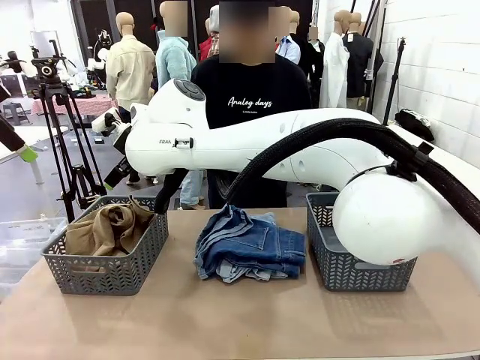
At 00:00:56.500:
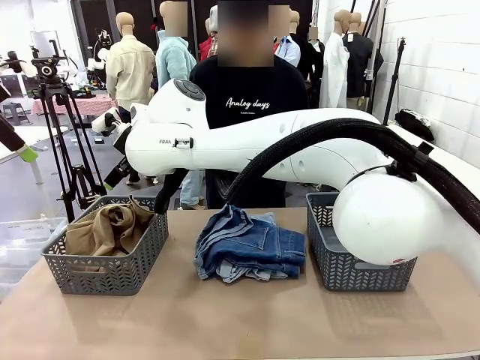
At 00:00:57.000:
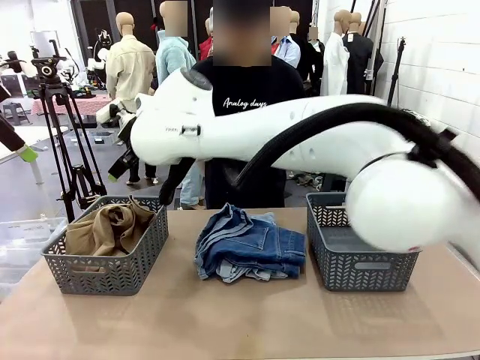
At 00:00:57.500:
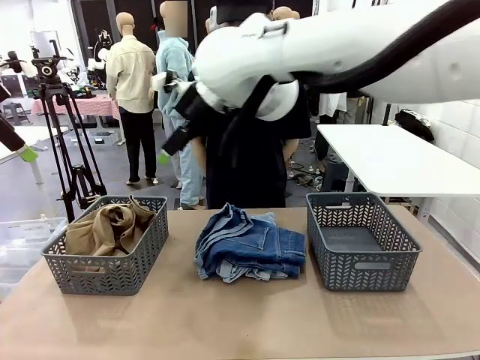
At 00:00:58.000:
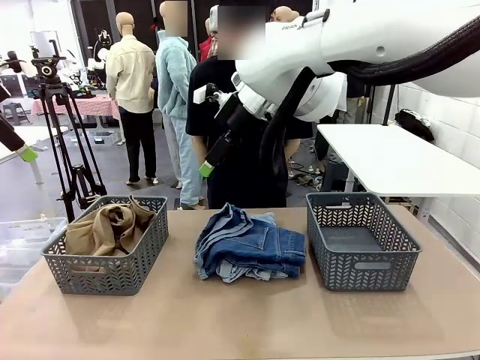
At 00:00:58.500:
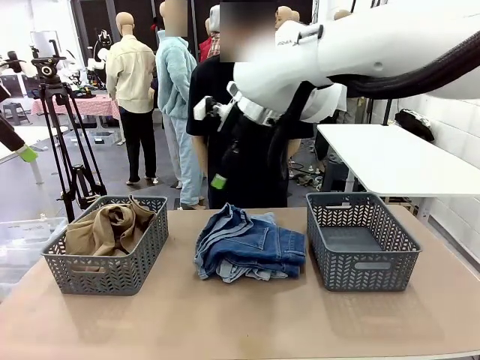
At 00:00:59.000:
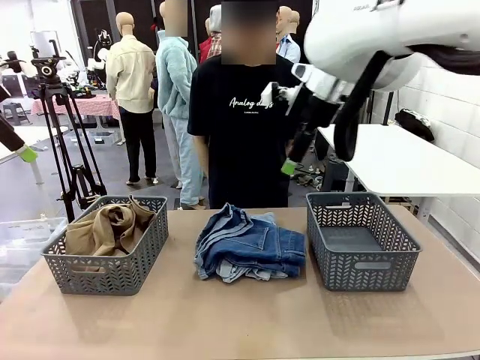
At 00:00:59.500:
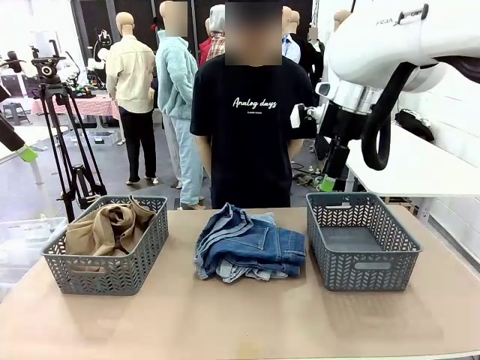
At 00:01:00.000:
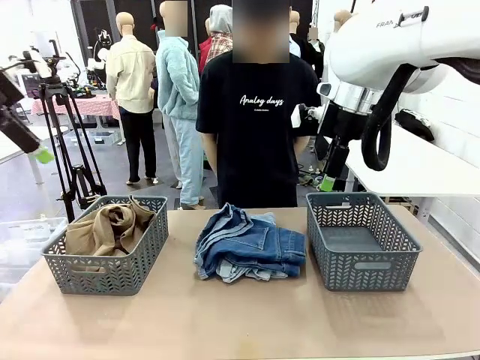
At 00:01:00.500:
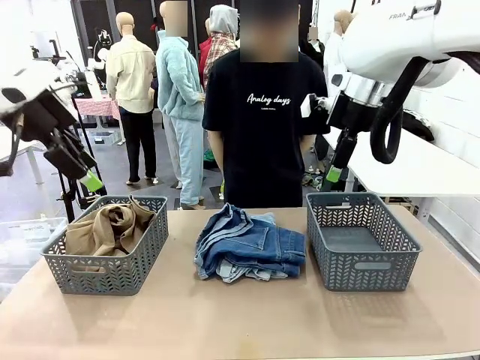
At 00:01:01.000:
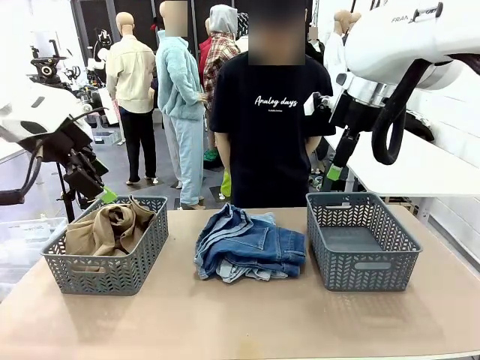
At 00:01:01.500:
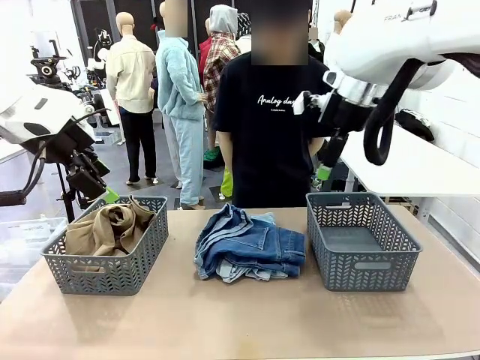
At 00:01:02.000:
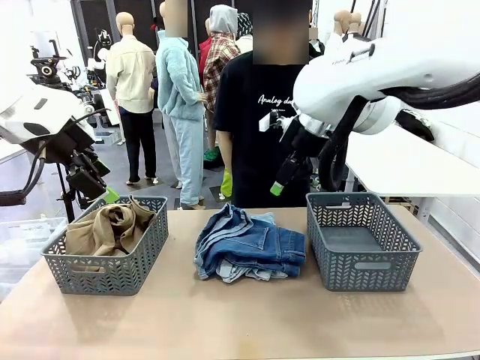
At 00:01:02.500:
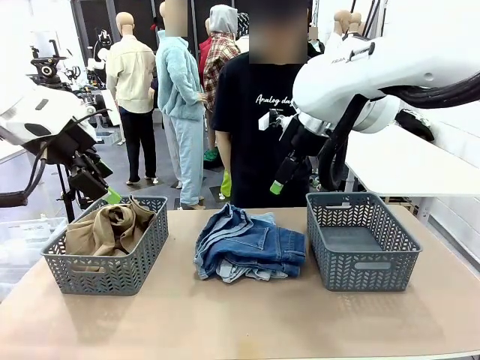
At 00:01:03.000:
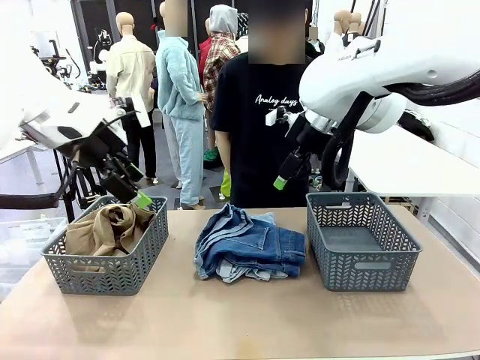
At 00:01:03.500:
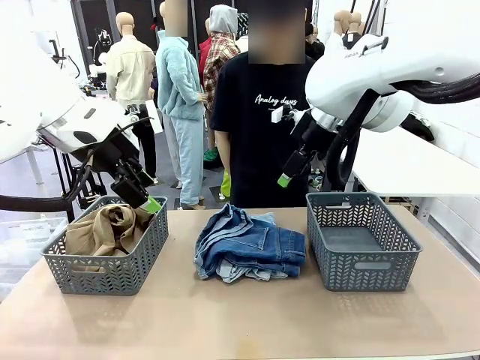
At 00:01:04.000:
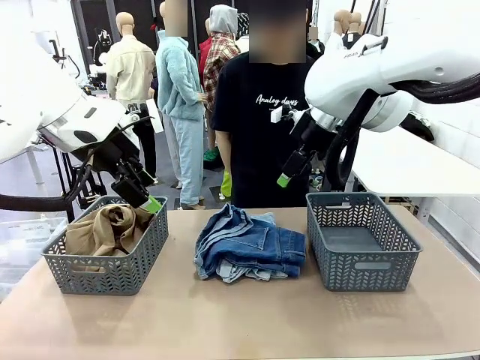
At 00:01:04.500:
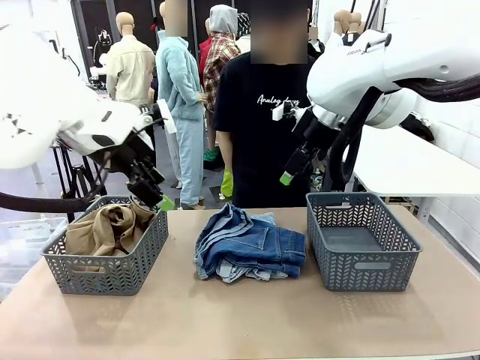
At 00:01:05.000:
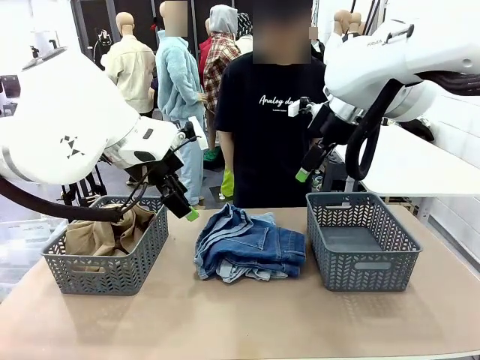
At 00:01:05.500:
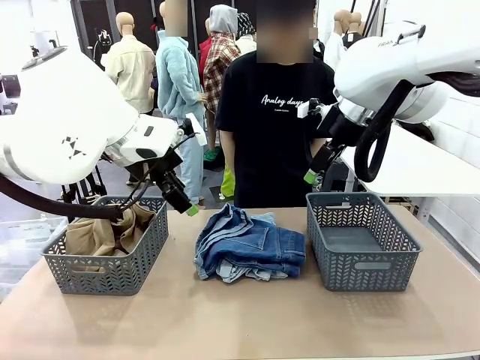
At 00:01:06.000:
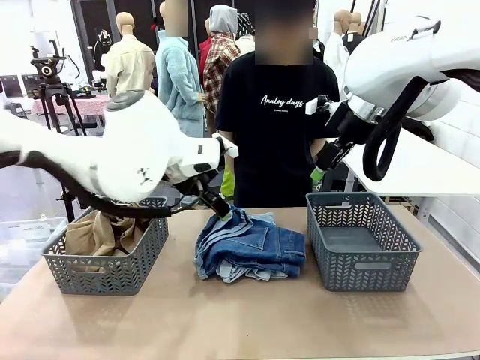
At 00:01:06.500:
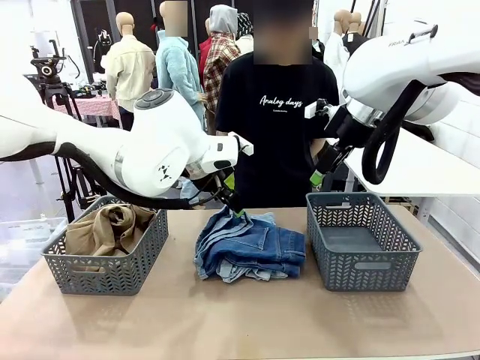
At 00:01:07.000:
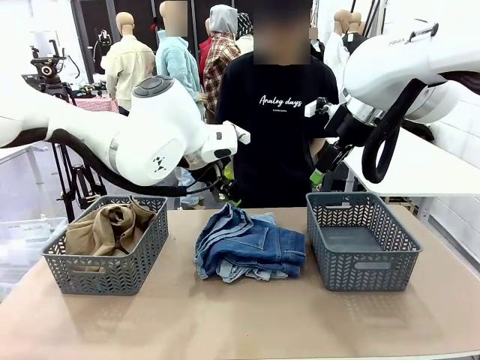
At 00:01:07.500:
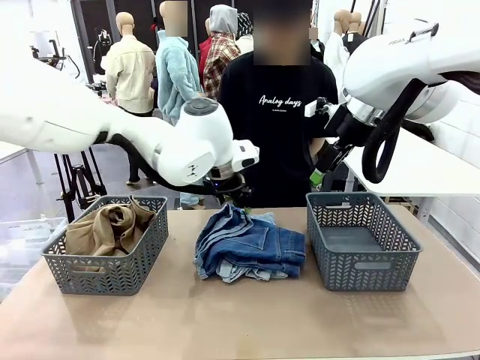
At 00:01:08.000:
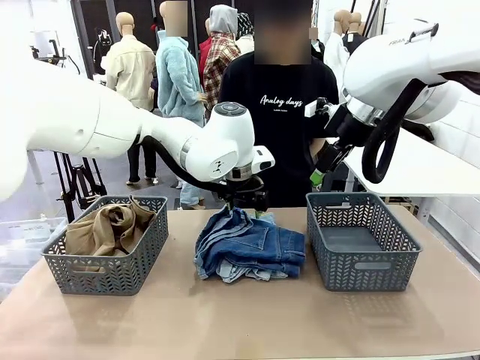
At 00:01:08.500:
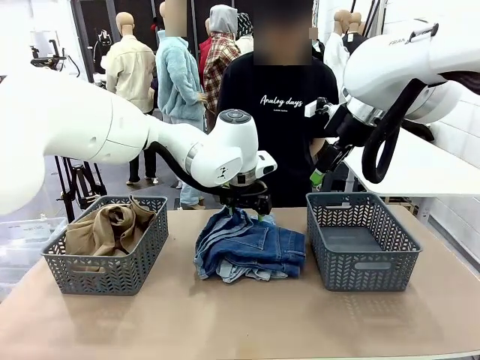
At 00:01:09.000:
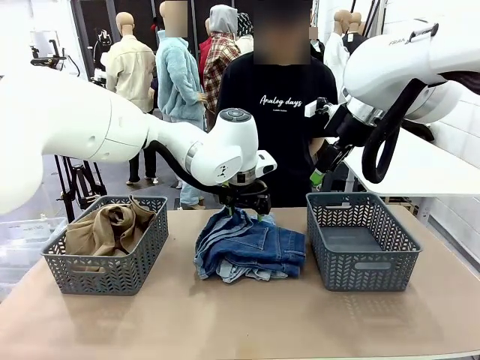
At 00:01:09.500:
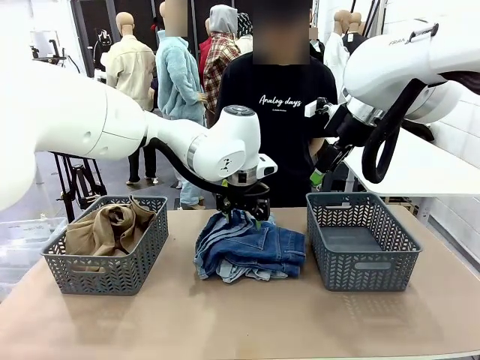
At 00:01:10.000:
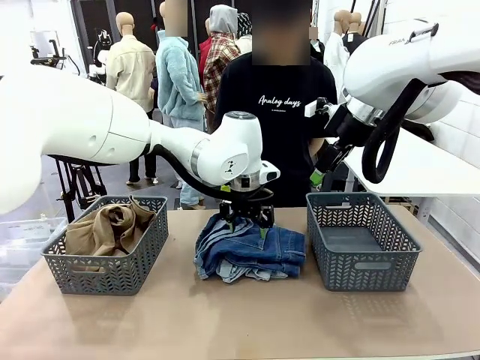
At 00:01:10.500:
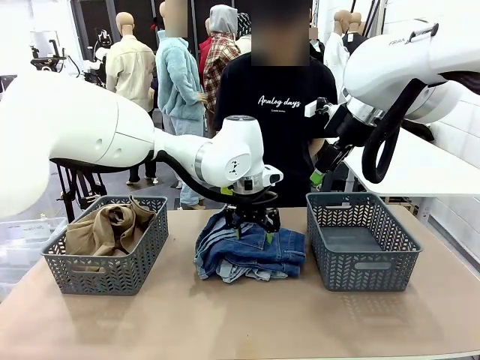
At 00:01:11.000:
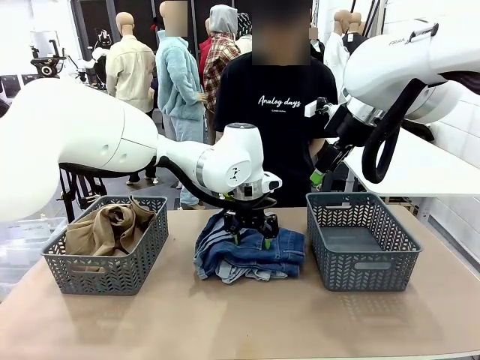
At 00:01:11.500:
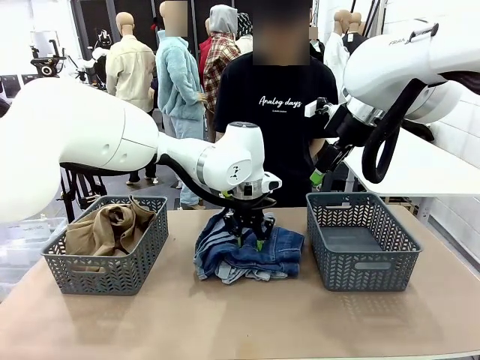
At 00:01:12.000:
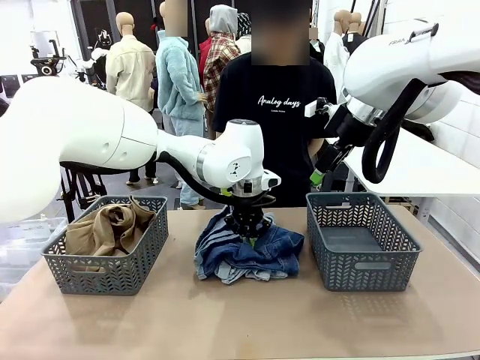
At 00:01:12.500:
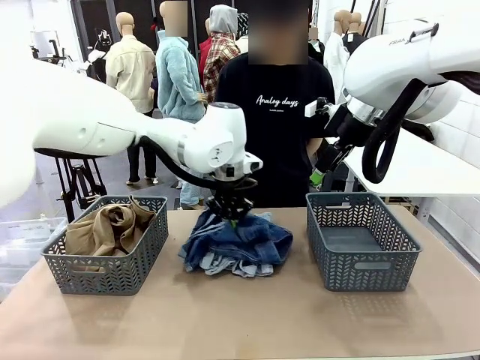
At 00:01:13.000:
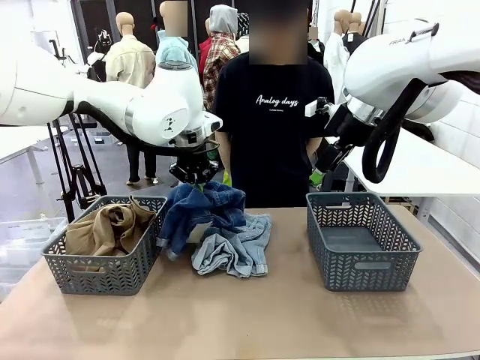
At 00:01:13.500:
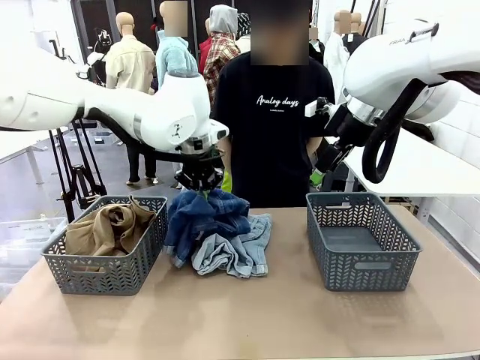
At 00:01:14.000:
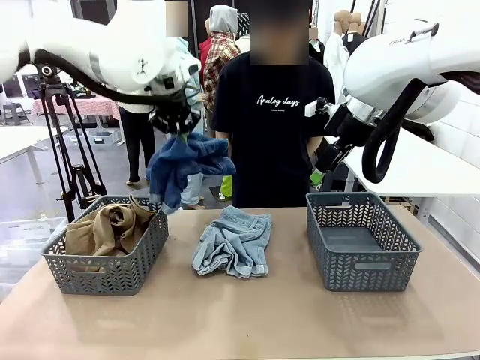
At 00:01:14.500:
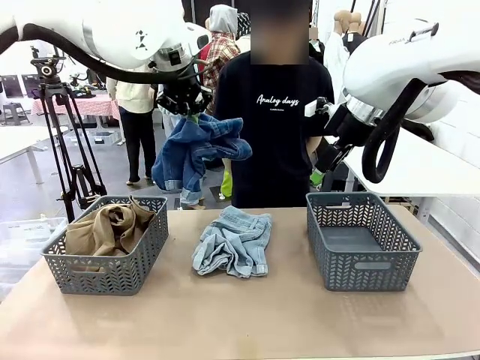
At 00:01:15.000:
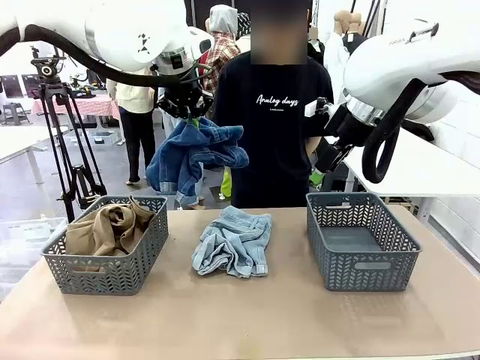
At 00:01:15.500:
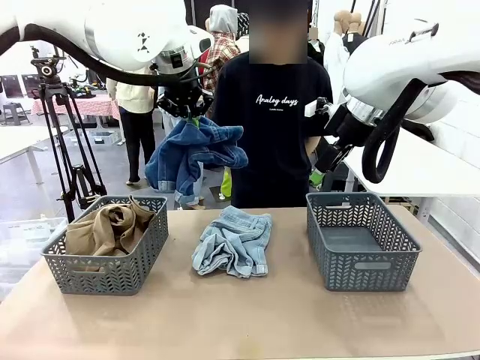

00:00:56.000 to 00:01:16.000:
Task: Sort the tops and bottoms.
Robot: Lift clothes from the center of the table with your left hand.

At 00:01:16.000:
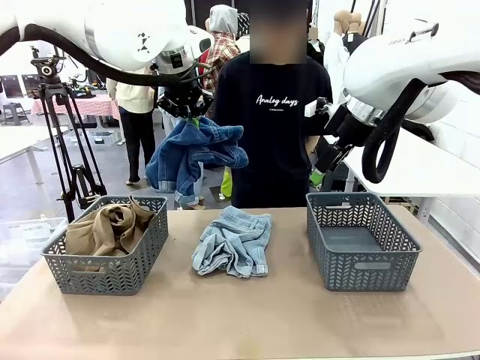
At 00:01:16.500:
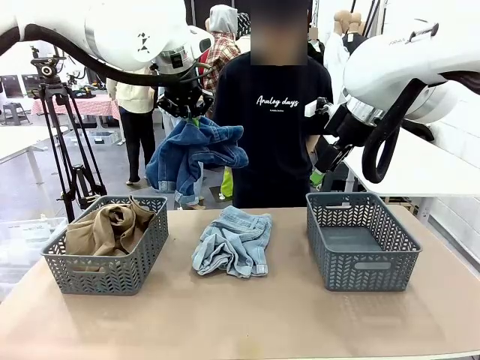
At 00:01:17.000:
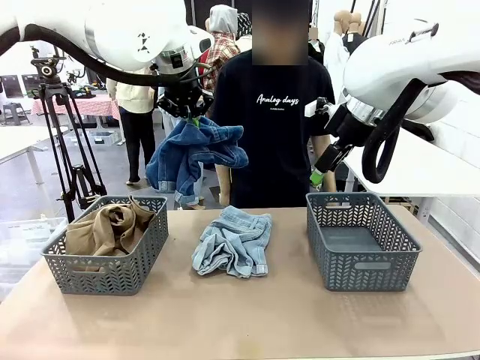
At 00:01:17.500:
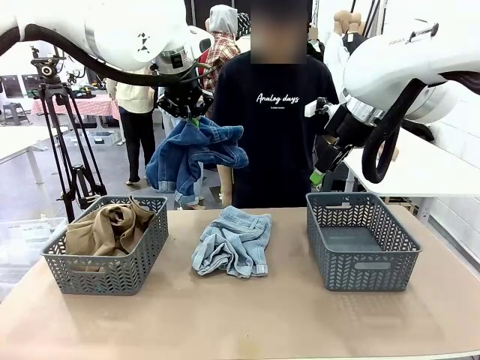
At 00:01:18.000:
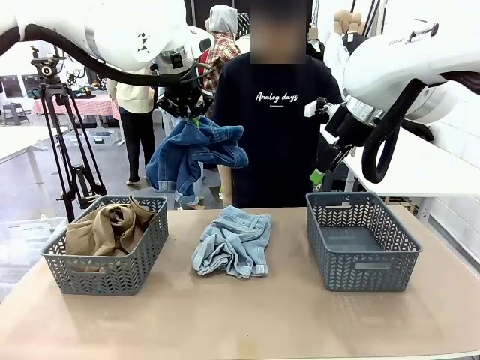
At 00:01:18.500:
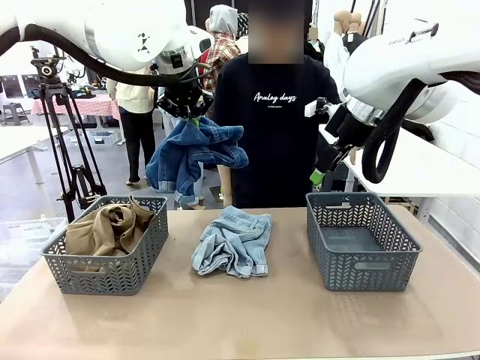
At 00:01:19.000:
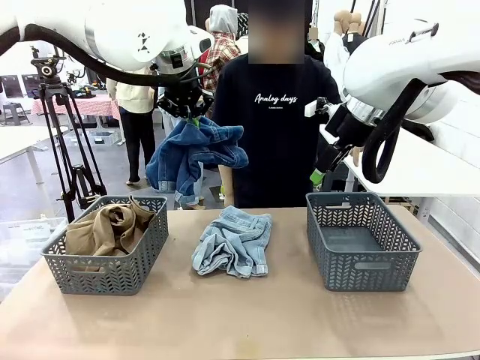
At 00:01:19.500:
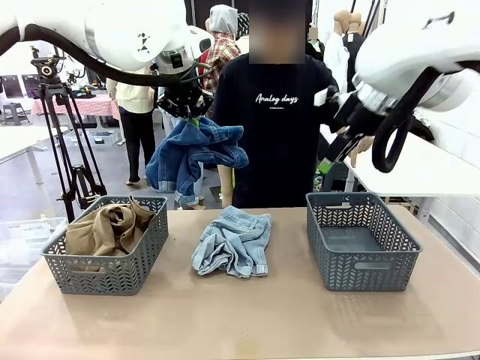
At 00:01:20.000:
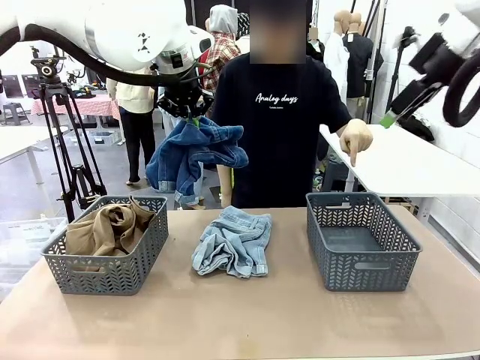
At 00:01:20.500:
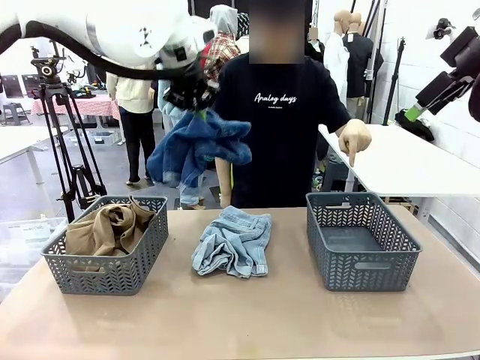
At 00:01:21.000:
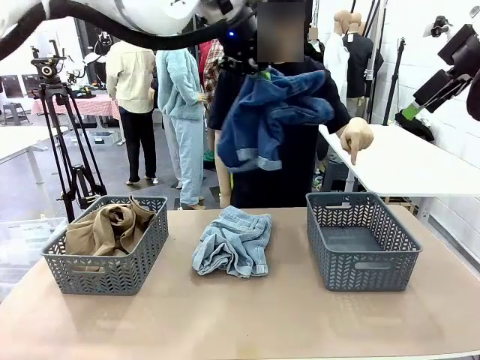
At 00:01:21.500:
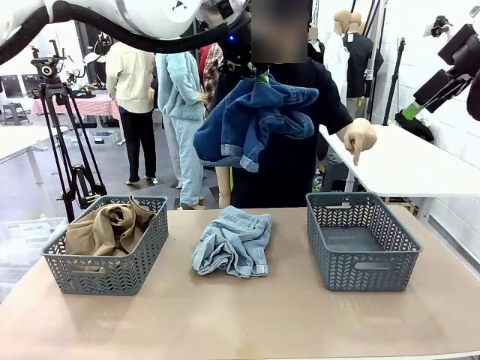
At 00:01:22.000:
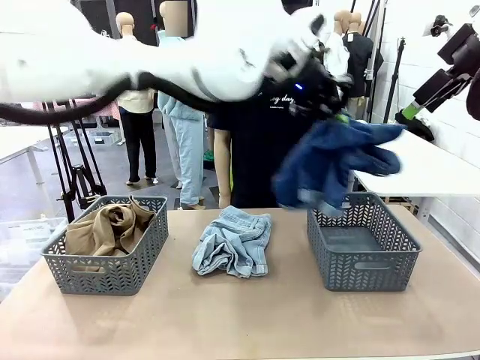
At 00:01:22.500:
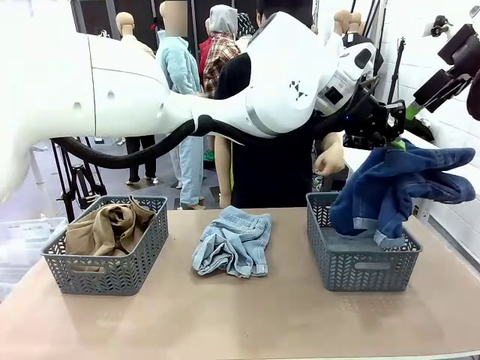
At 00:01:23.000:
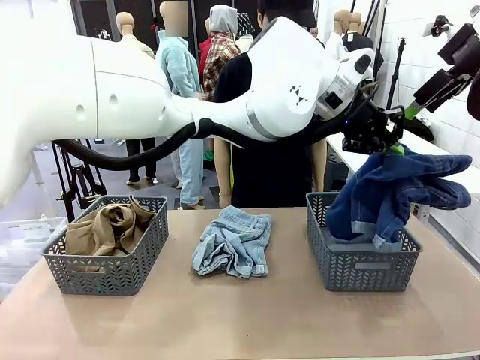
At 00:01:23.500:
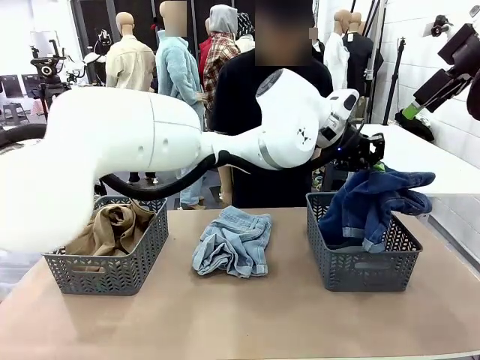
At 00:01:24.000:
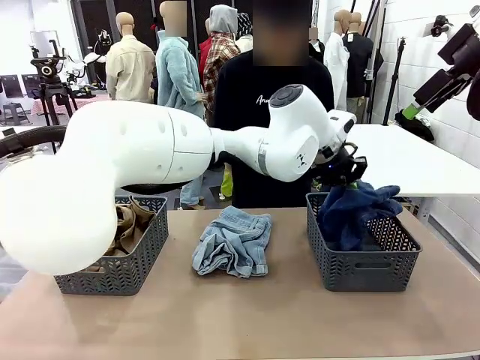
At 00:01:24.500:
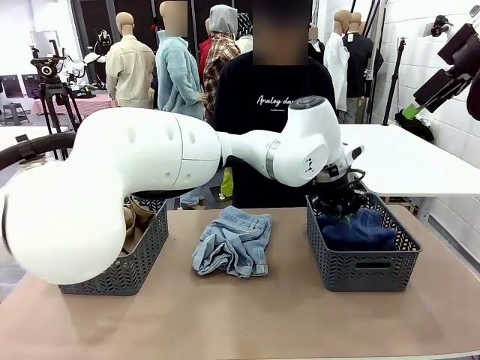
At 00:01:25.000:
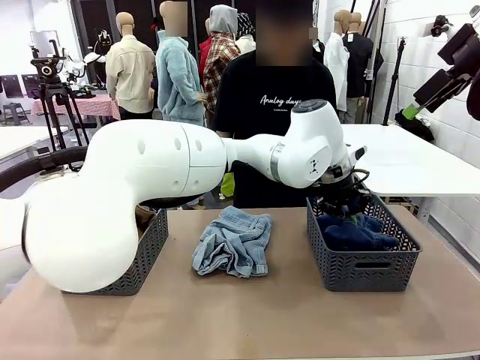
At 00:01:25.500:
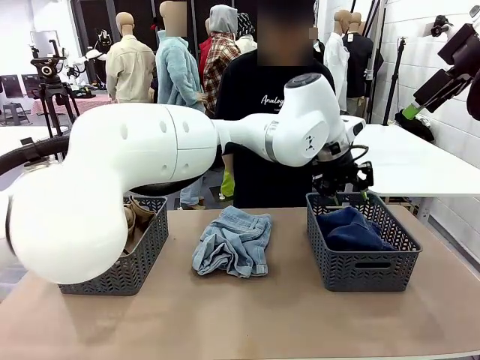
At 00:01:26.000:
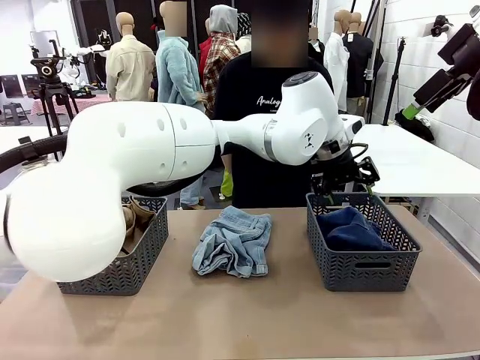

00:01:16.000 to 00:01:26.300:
Robot: Sort the clothes according to human instructions.
